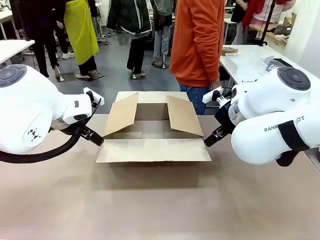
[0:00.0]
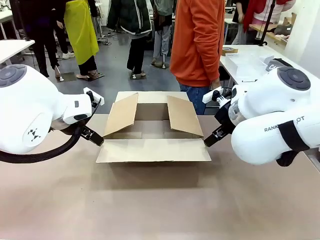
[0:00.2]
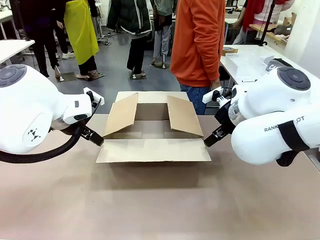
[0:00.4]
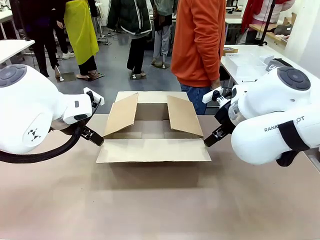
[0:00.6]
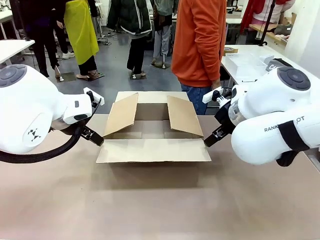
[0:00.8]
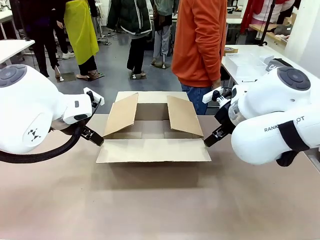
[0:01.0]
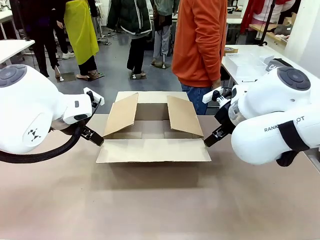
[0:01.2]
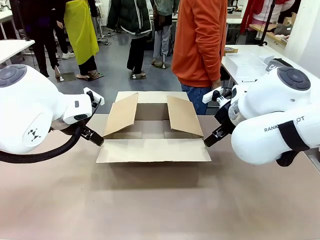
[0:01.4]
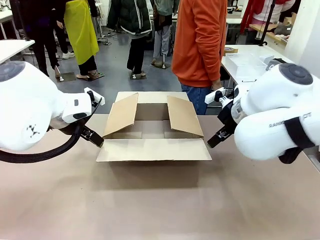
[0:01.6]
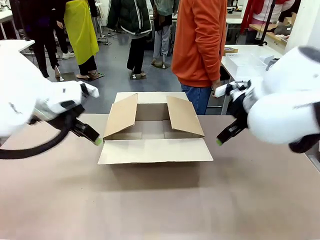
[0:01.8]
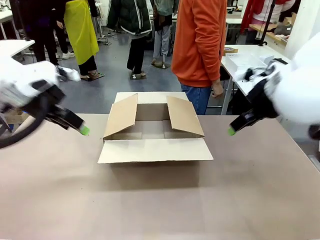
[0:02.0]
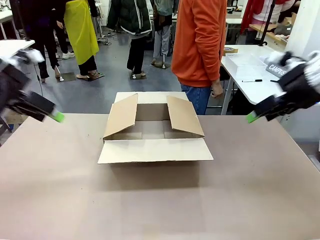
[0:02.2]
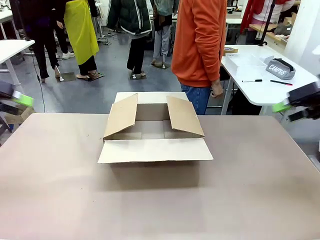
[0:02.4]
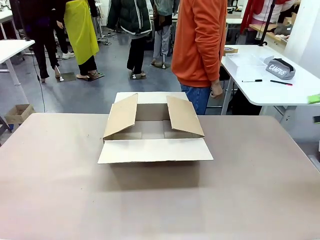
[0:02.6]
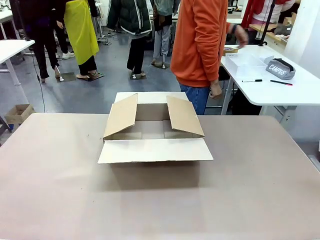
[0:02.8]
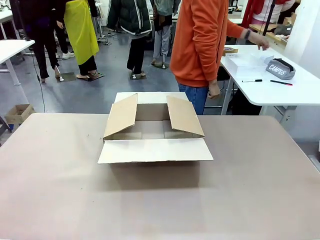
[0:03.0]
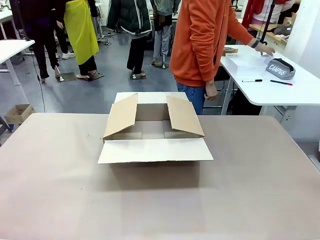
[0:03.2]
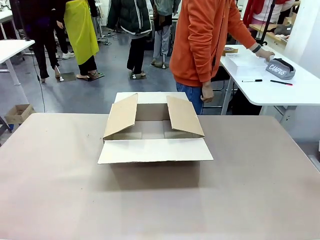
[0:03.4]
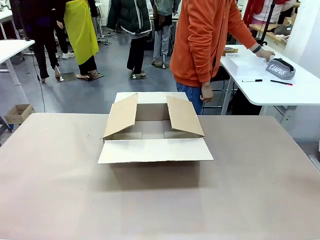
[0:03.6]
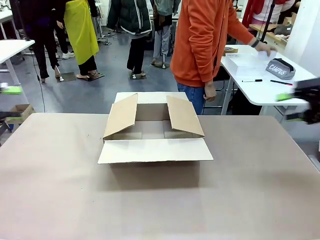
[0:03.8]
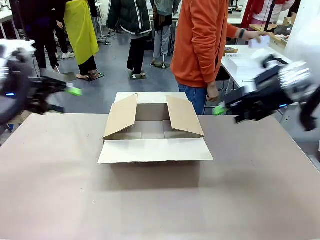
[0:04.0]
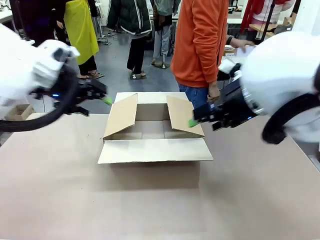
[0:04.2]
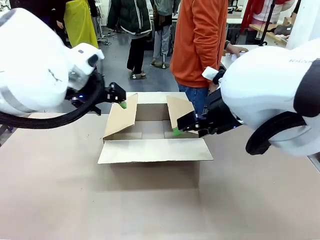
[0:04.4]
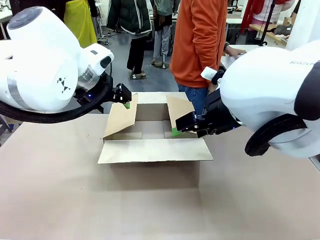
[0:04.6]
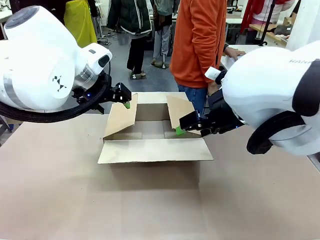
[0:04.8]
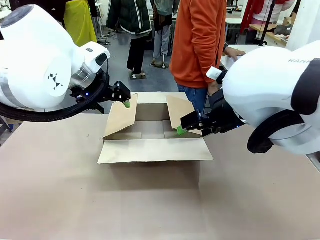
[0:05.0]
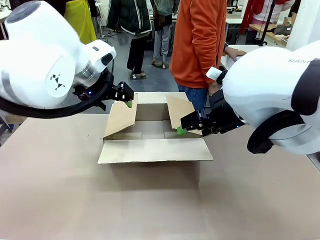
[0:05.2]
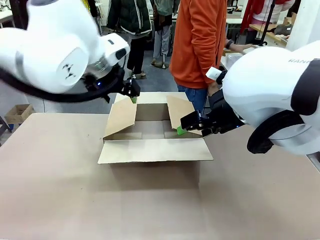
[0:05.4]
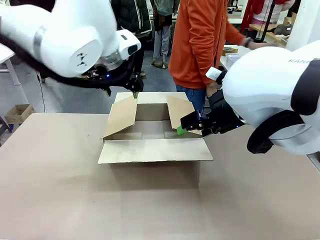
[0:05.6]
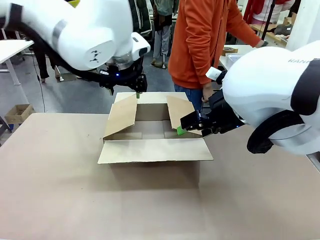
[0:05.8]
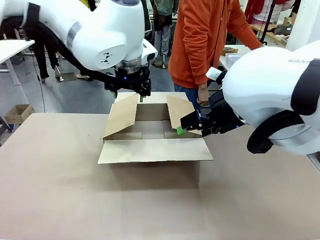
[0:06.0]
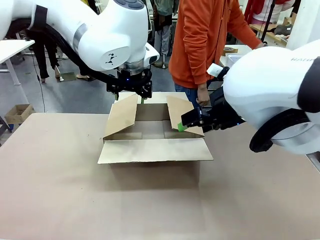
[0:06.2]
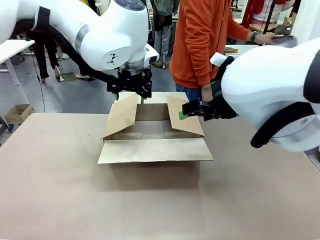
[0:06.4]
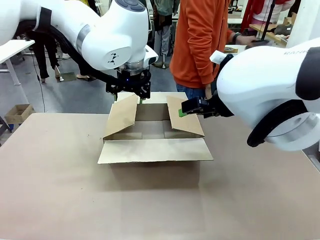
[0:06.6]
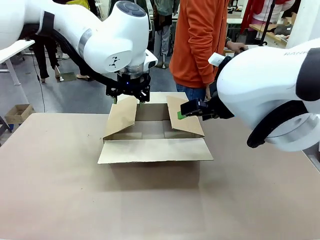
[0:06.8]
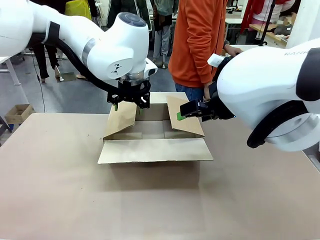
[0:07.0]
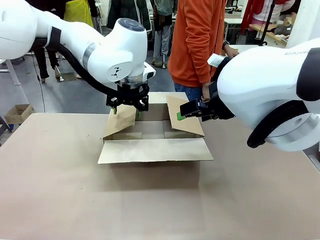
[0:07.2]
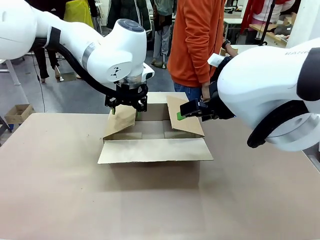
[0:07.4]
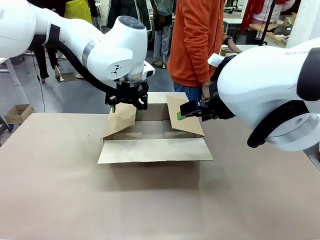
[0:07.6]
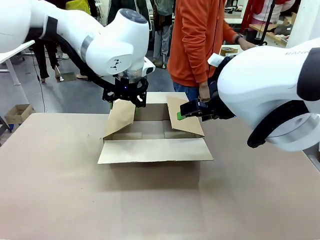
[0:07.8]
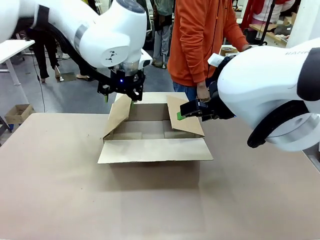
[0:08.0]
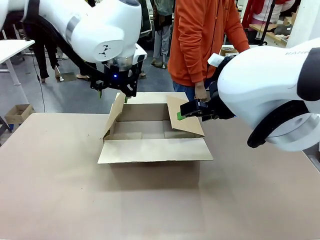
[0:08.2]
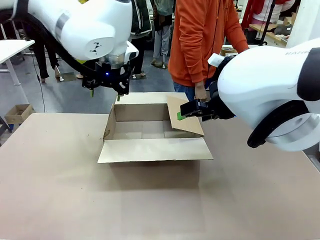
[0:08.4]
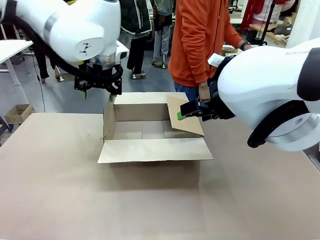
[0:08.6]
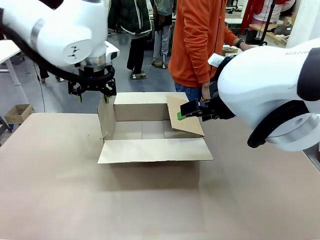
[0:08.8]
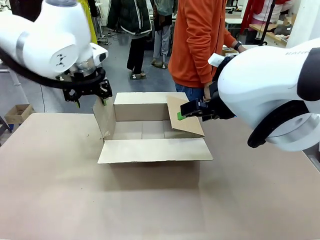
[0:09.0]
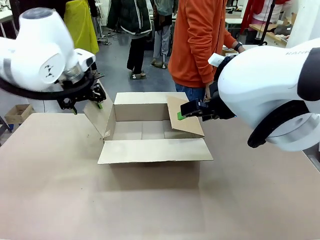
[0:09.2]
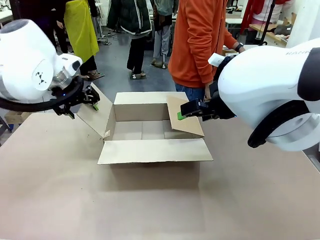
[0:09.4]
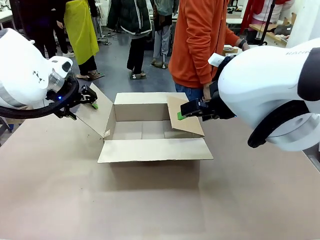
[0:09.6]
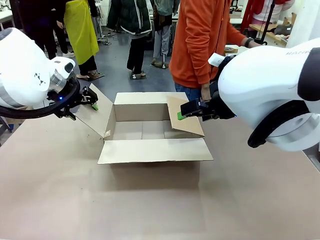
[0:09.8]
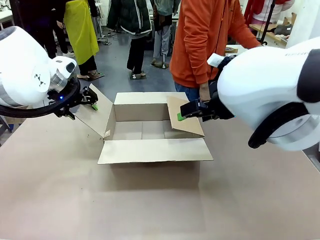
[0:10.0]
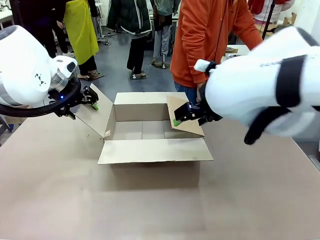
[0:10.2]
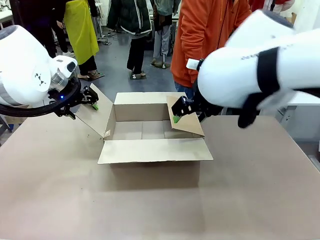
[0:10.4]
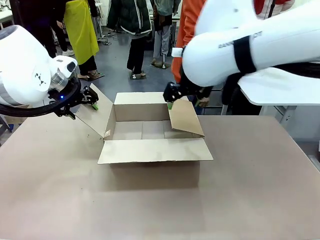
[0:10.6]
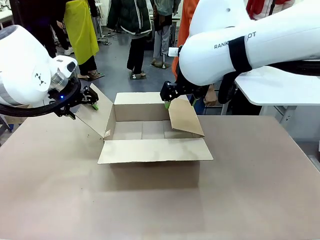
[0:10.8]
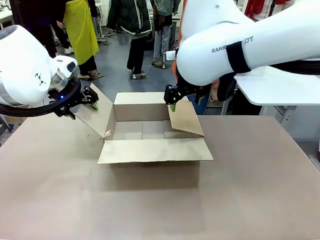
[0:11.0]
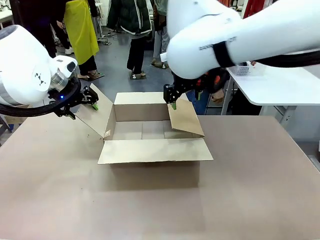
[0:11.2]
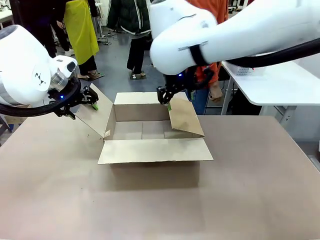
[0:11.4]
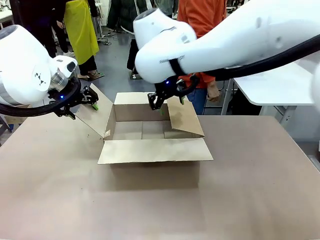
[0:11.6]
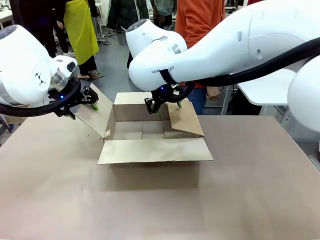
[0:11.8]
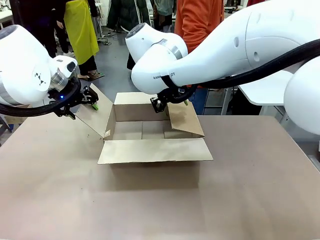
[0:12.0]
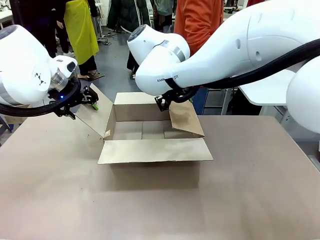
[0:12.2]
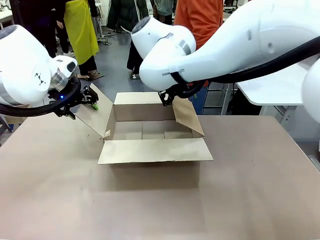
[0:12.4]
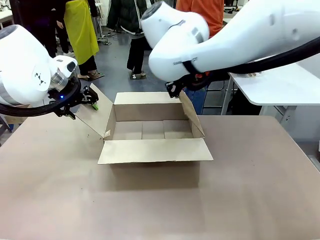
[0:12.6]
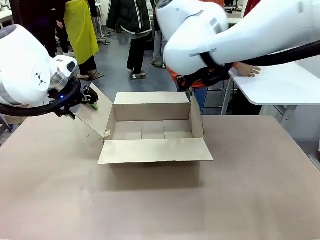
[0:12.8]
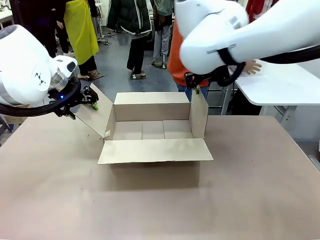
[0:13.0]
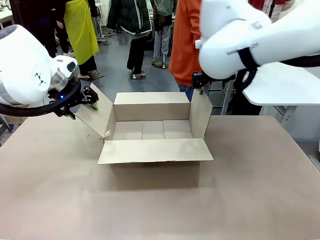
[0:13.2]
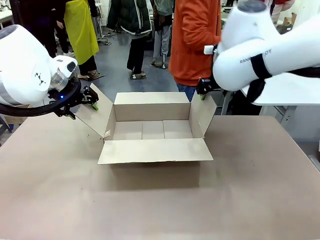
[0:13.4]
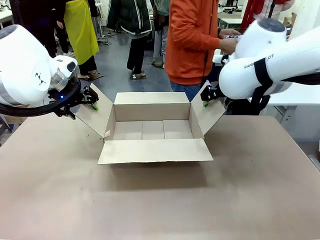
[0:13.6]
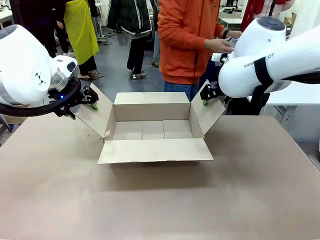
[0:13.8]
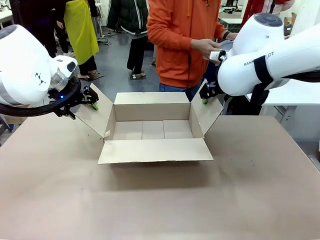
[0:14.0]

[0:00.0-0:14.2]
Task: Pack the gift set into the box.
Robot: Place both hands on the side flaps of the Package Box and spread them outward.
Person: The human places all items except the paper tape into the organizing basket.

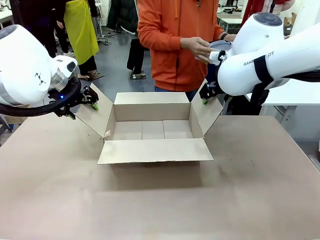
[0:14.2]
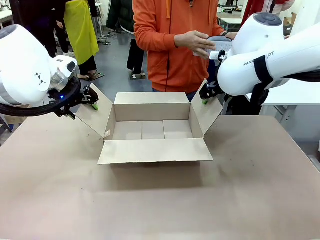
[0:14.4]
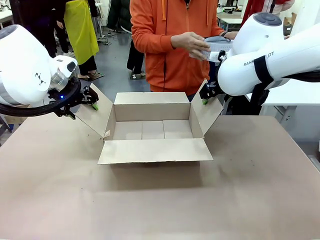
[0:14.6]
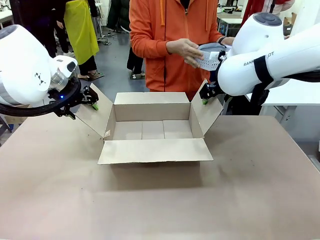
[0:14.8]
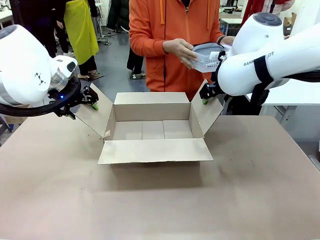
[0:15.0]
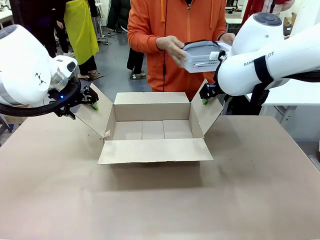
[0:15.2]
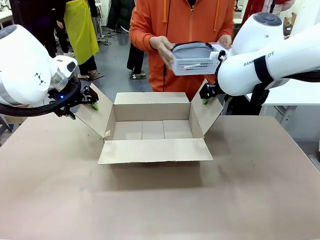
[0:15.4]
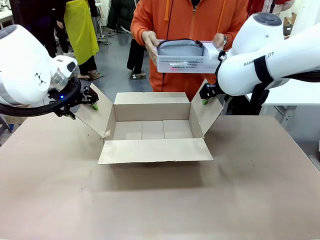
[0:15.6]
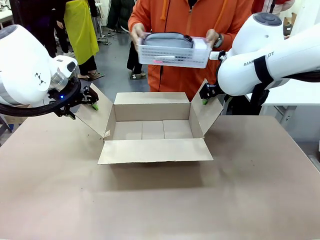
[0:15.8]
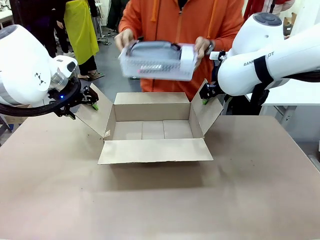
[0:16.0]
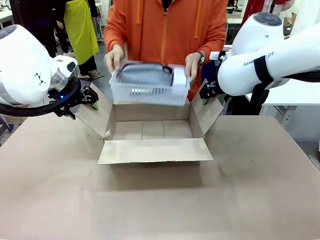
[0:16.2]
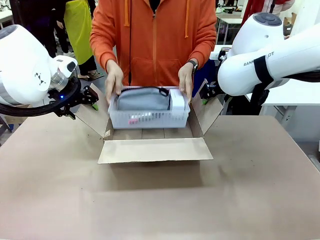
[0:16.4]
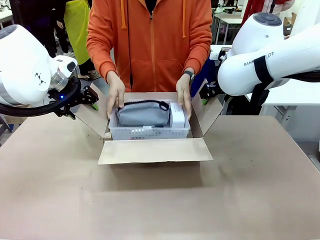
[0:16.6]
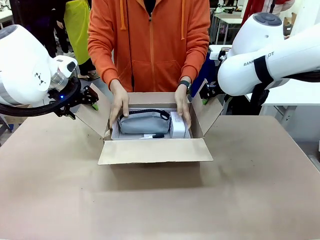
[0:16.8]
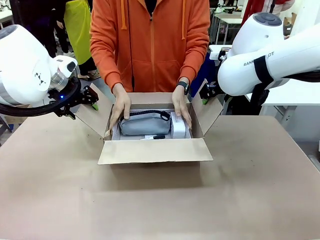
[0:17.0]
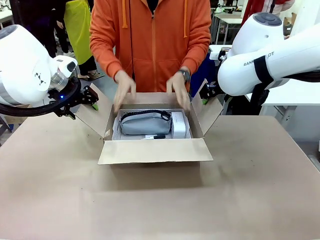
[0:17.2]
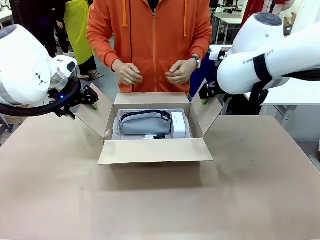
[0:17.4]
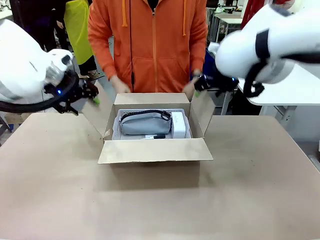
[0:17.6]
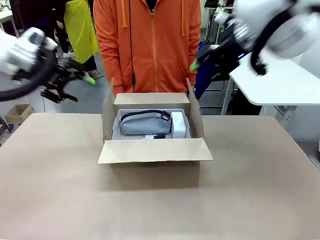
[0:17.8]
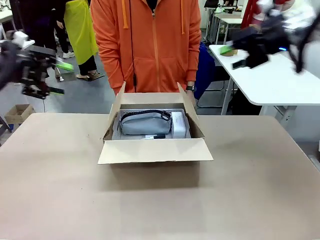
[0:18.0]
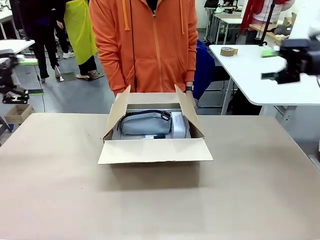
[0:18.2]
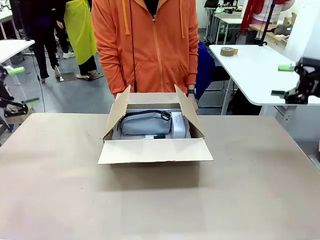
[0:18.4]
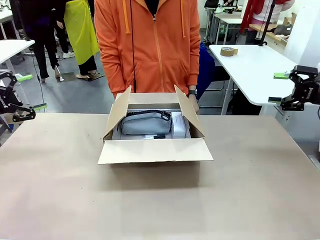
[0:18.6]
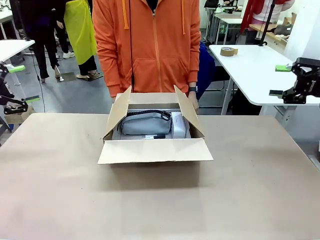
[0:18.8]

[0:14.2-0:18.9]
Robot: Lift both hands away from the flaps of the Package Box.
Person: The human picks up the organizing basket and places the organizing basket into the package box on the robot table.
